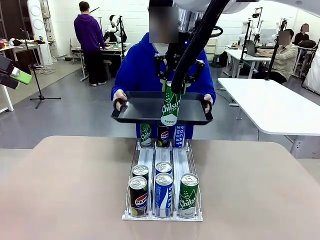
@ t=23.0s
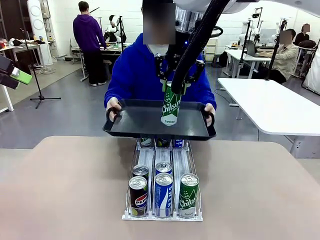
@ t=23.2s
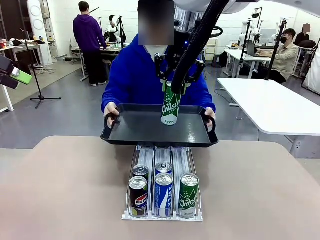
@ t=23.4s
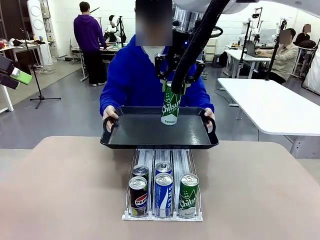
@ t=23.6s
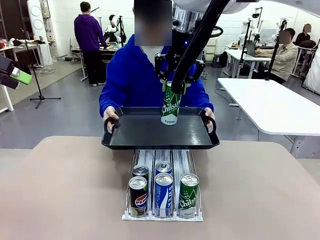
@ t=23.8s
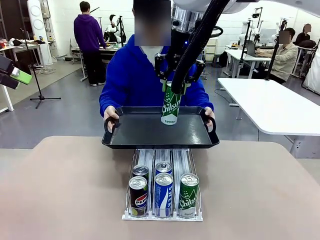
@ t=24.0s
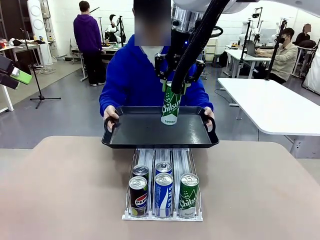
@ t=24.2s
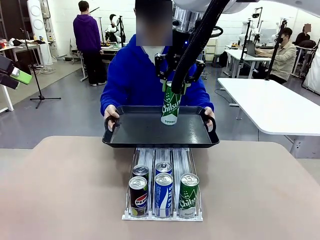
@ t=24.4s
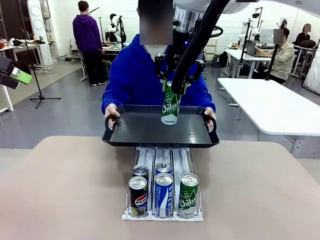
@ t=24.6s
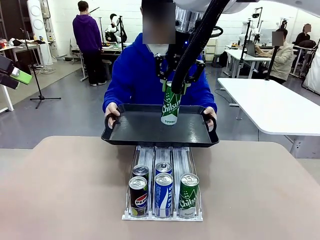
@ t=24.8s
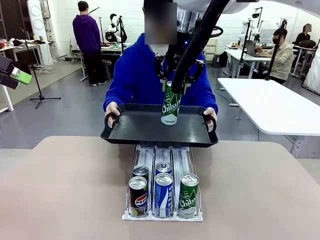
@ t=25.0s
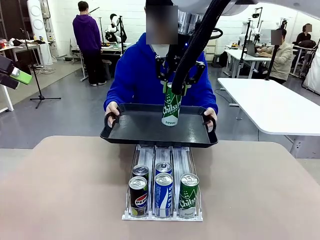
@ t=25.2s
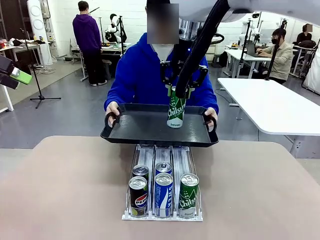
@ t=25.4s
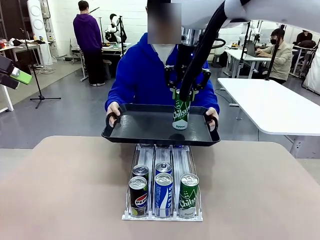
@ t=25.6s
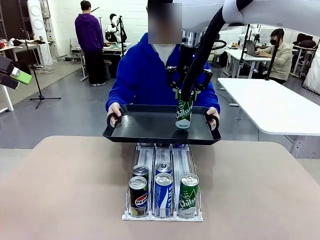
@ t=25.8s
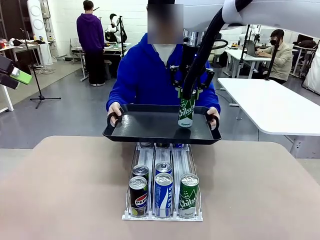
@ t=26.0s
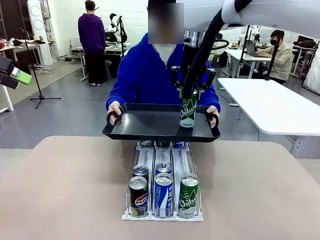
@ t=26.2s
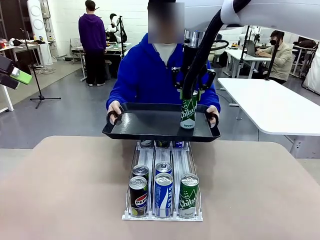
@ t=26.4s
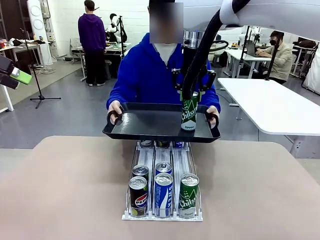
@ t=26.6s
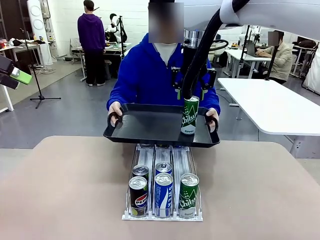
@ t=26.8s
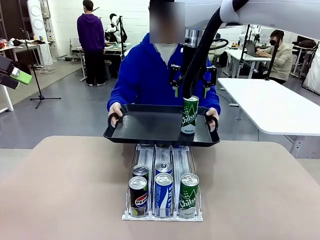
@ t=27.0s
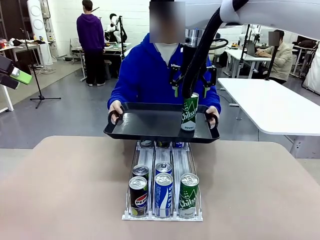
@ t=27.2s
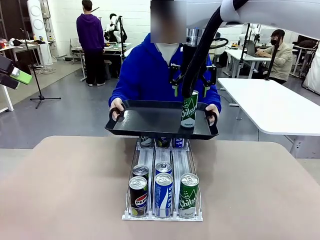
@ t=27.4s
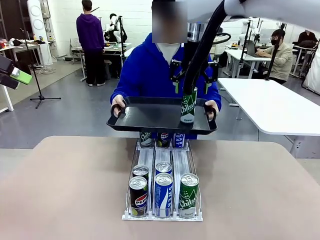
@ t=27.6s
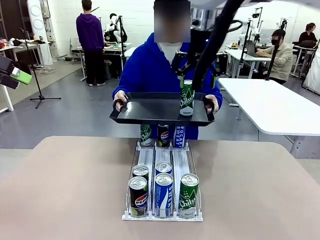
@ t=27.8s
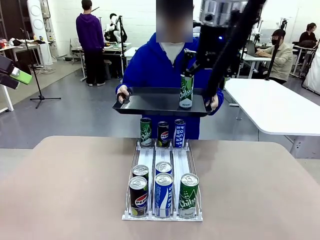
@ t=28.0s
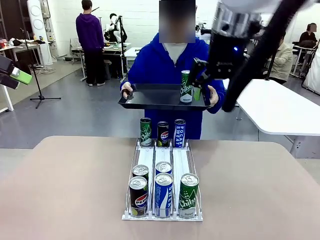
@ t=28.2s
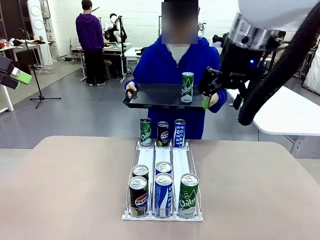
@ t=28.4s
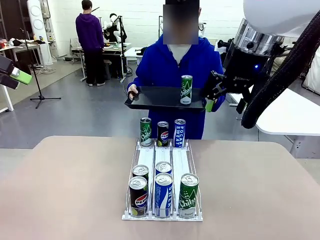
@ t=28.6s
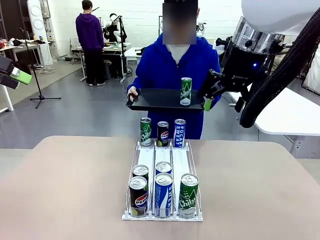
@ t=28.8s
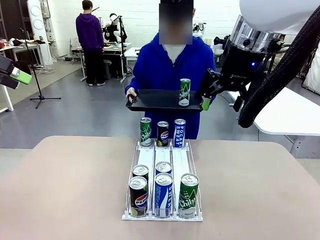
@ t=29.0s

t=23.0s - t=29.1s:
Task: Retrieve and hand over the desired beverage to the person.
Robot: Place the picked can on the Handle tray extended by the person.

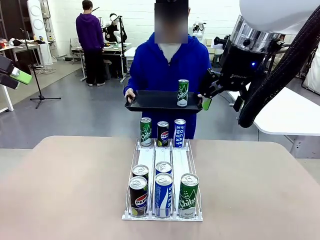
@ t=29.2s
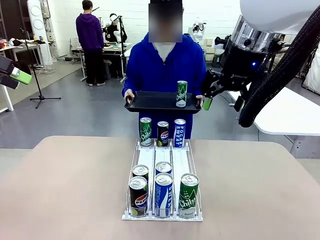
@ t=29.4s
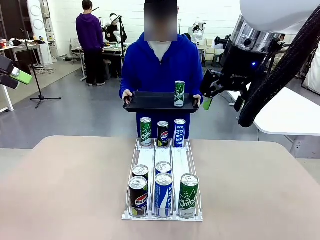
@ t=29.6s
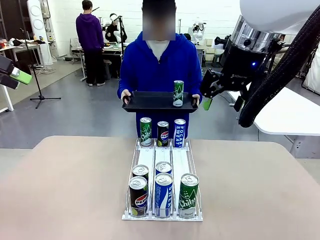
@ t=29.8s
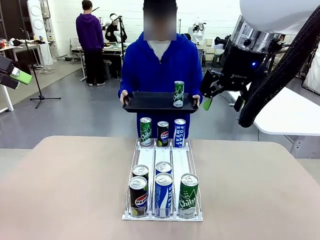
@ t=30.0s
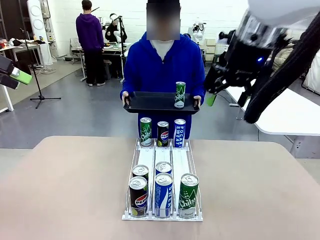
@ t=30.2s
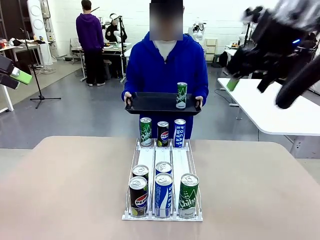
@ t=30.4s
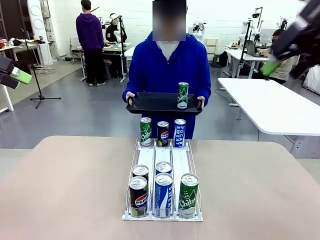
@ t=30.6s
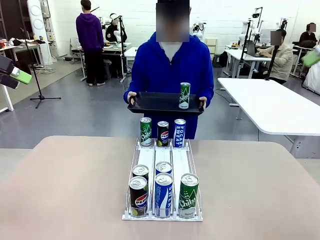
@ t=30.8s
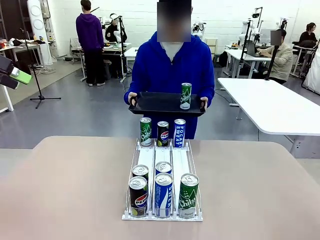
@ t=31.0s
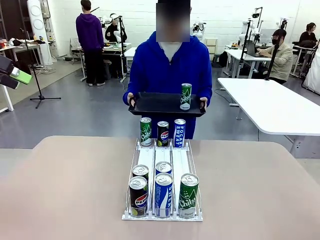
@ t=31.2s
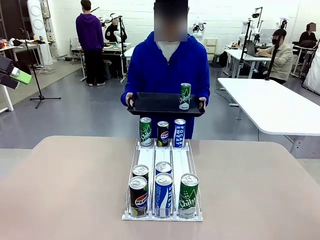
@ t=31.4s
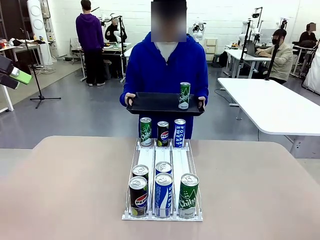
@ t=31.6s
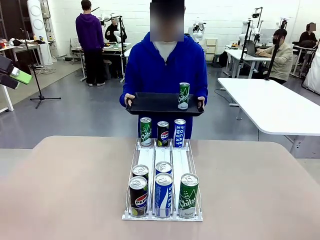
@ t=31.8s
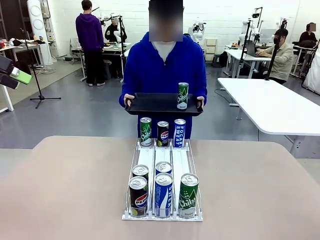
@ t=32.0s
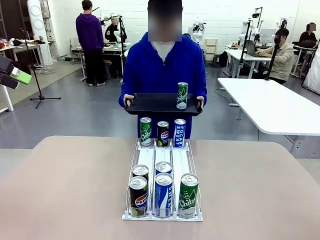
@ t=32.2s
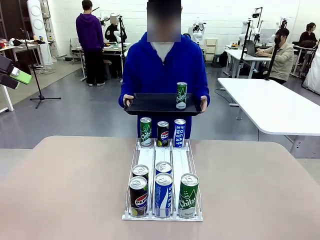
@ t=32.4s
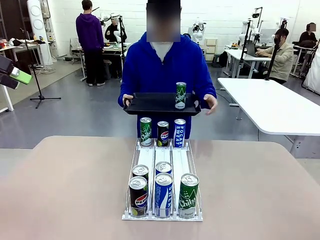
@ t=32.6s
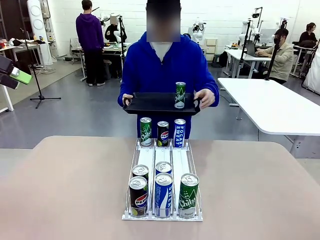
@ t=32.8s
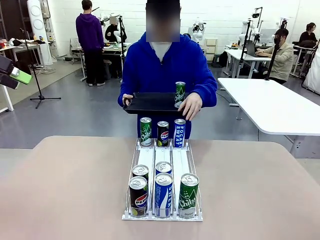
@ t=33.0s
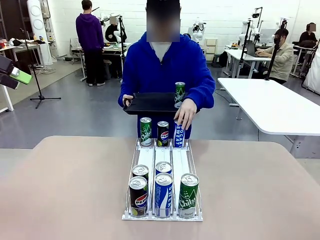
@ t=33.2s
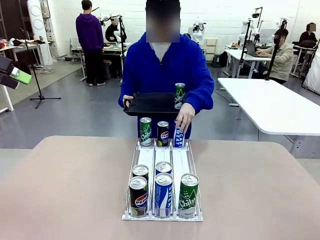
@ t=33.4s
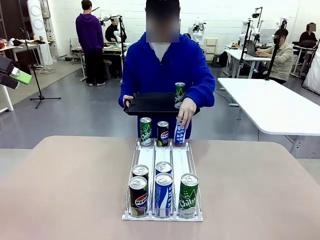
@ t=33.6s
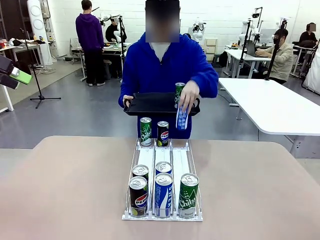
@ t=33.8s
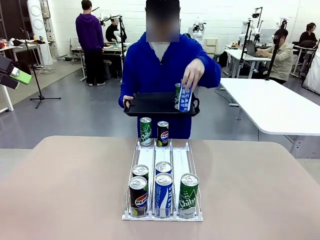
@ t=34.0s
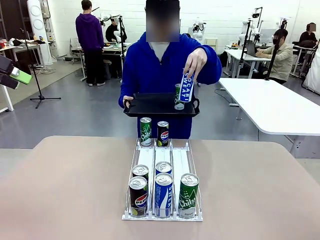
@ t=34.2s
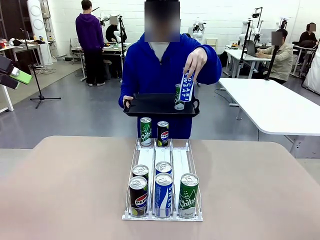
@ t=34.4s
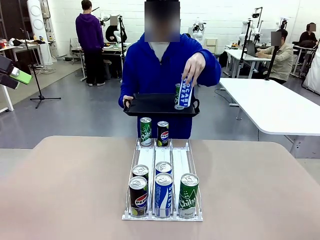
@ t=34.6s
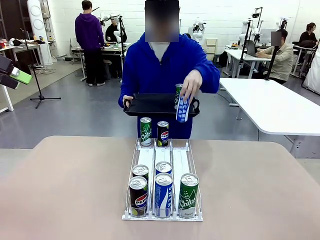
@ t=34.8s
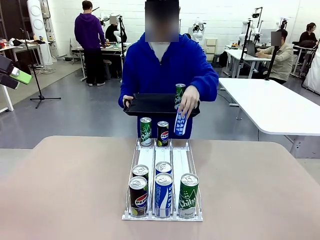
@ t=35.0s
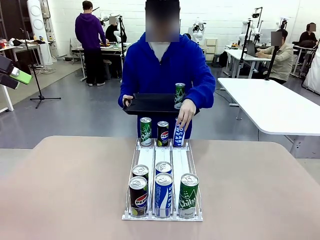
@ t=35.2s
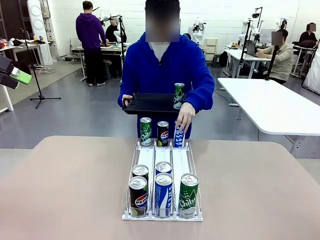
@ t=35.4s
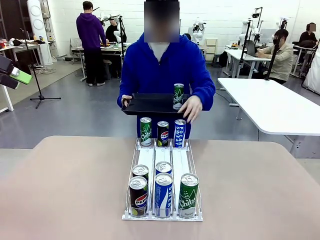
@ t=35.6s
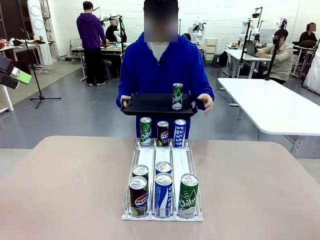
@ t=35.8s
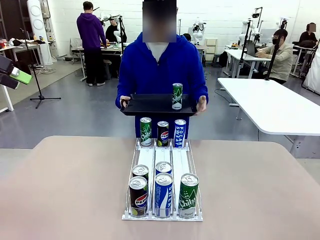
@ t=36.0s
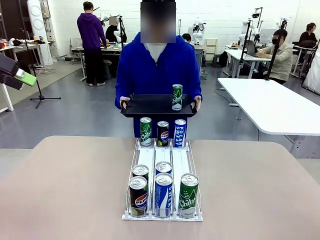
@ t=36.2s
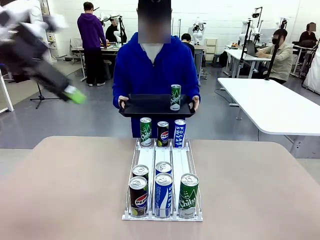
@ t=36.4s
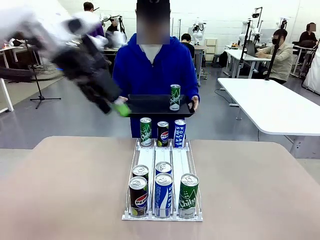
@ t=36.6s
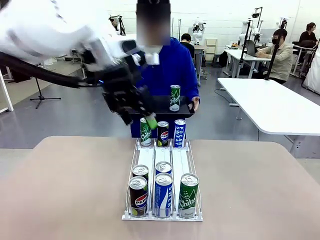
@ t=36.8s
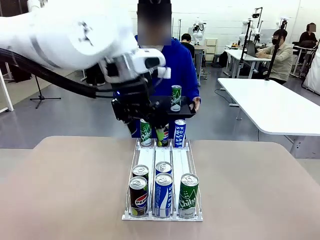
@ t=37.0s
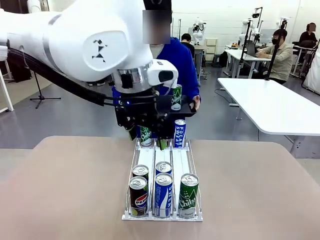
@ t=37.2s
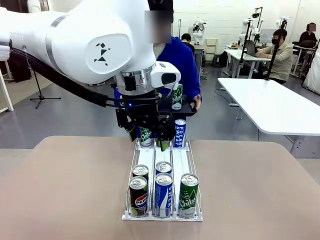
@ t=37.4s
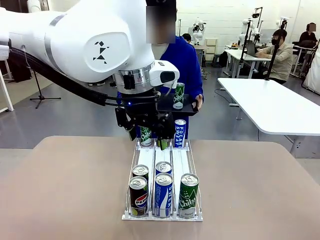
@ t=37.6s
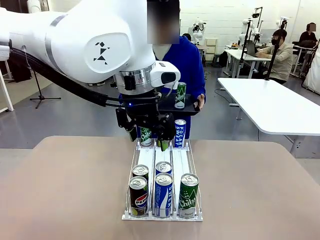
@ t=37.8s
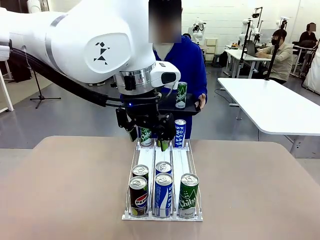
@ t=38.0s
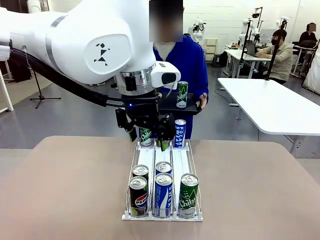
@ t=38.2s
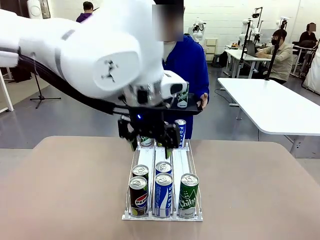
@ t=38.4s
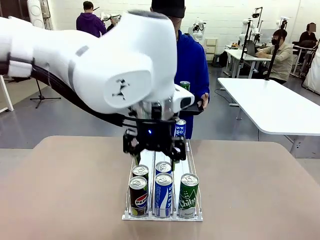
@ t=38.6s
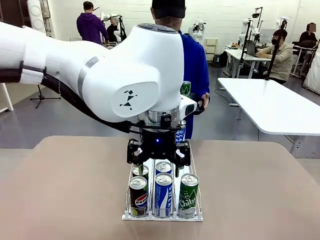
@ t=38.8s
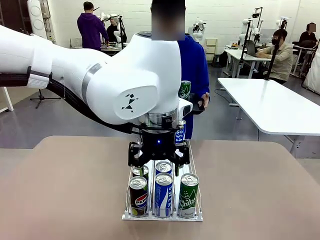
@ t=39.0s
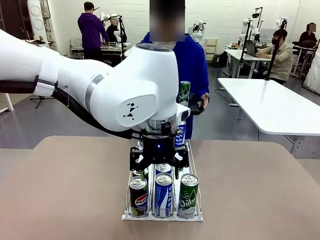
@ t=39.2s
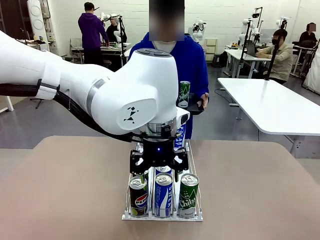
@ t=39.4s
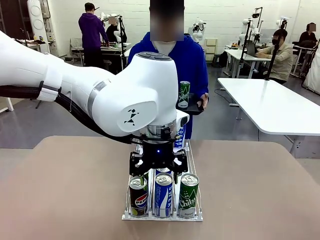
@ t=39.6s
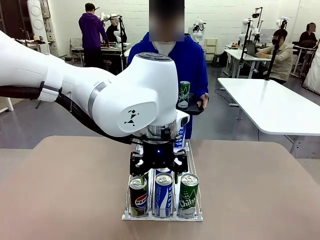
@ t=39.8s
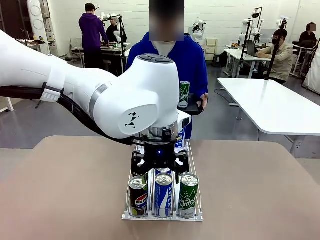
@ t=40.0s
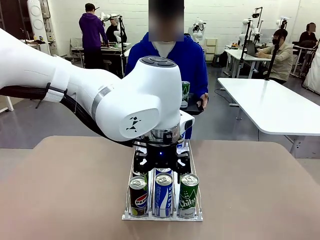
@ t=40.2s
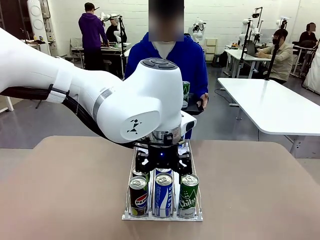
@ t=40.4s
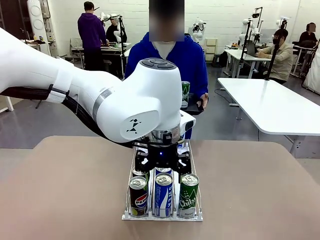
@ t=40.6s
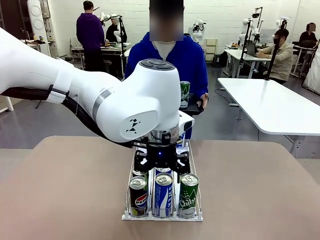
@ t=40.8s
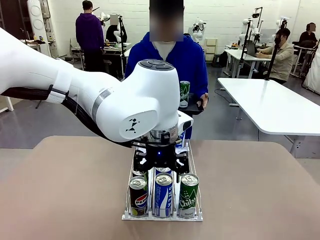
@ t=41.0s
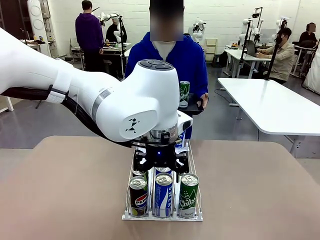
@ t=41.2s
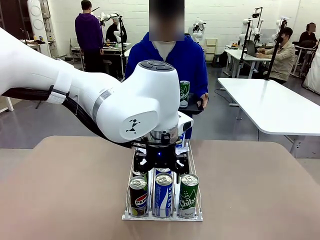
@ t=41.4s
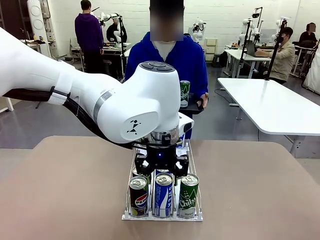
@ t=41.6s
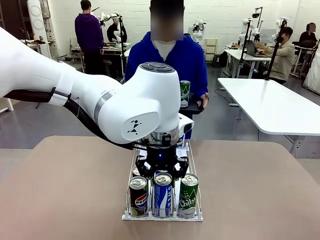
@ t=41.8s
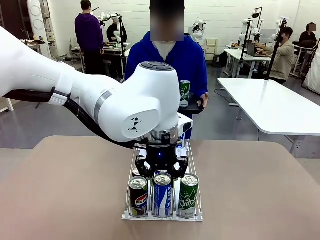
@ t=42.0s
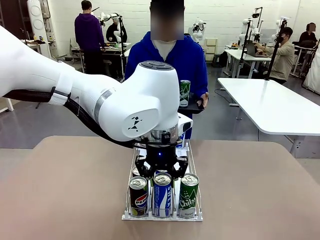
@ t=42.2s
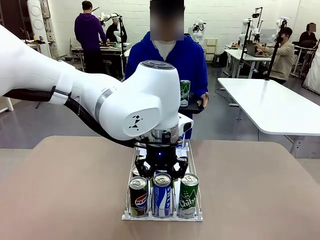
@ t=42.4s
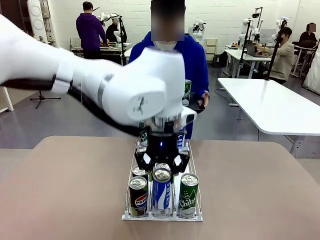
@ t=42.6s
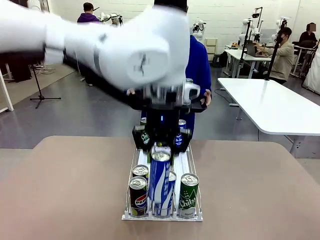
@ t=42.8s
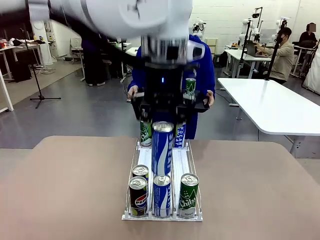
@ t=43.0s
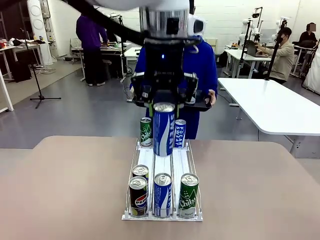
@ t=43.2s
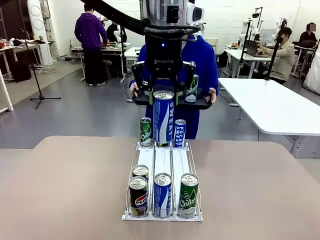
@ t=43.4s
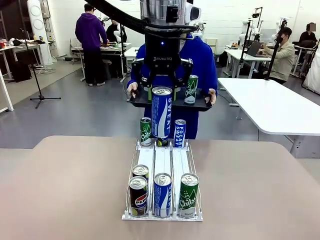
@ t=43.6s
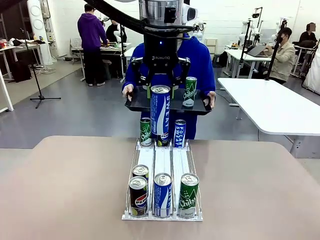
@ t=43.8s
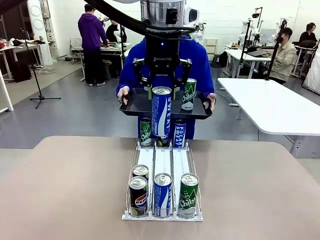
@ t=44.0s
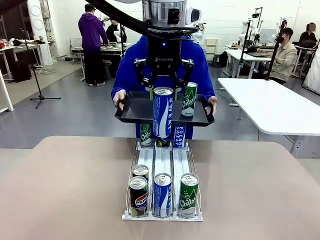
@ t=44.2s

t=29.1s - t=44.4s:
Robot: Pick up another can of the same type that the person held from the Automatic Can Dispenser.
Person: Pull the tray back, then pick up another can from the bottom area of the table and puts it back in its original place. Push the tray toward the robot again.
